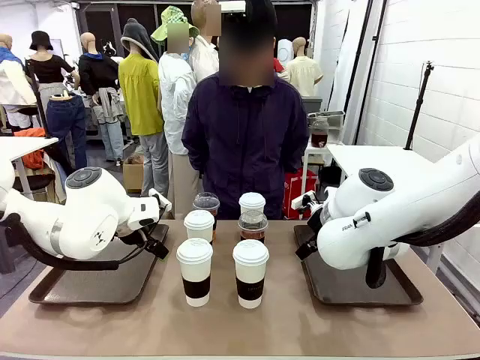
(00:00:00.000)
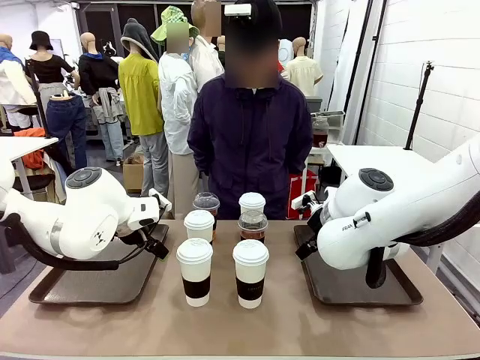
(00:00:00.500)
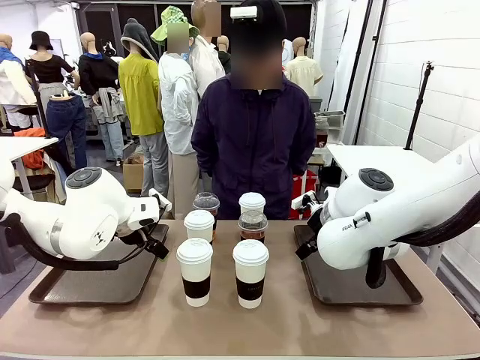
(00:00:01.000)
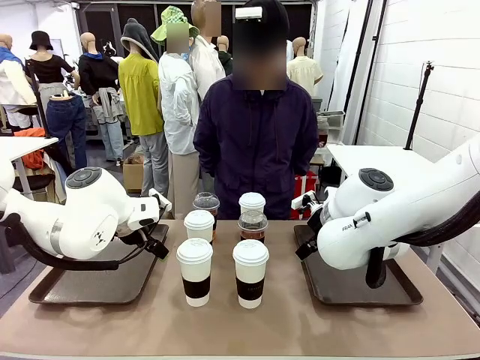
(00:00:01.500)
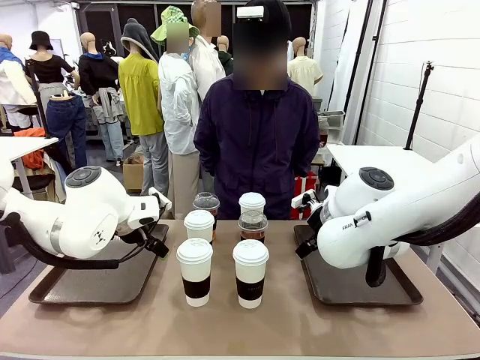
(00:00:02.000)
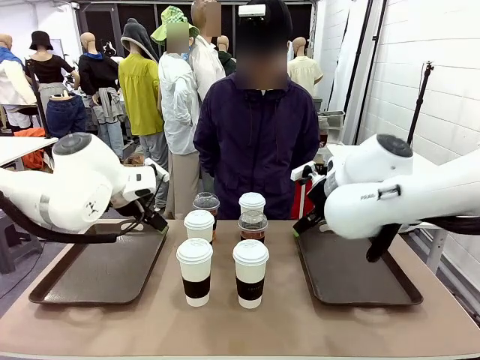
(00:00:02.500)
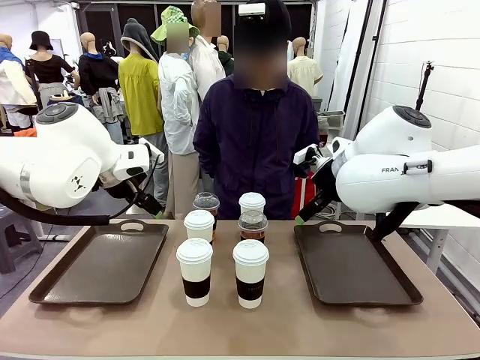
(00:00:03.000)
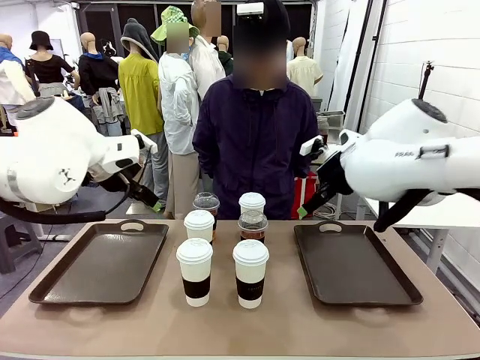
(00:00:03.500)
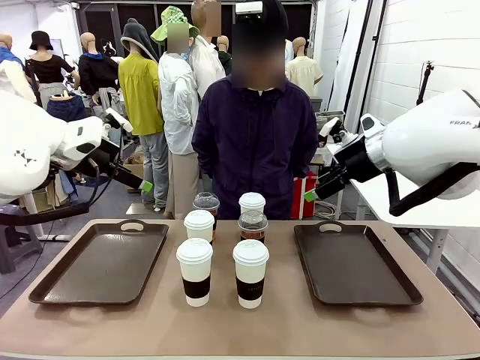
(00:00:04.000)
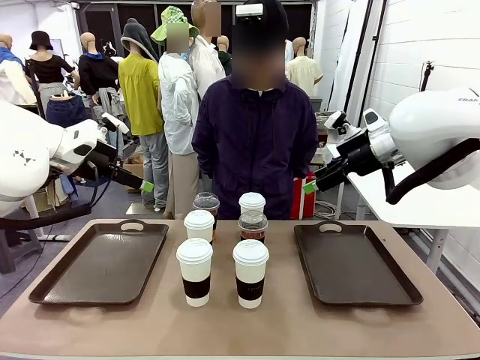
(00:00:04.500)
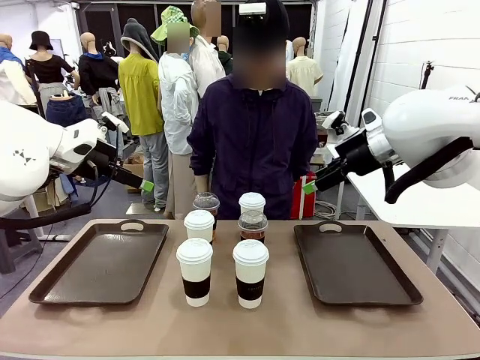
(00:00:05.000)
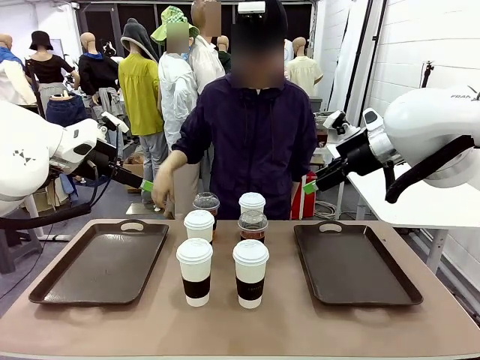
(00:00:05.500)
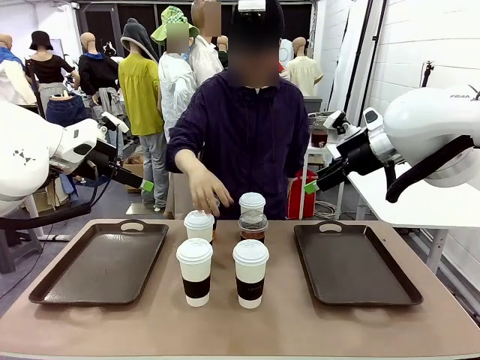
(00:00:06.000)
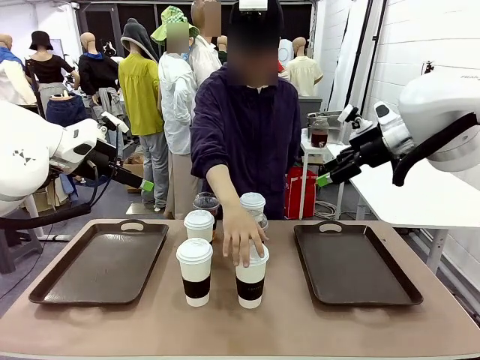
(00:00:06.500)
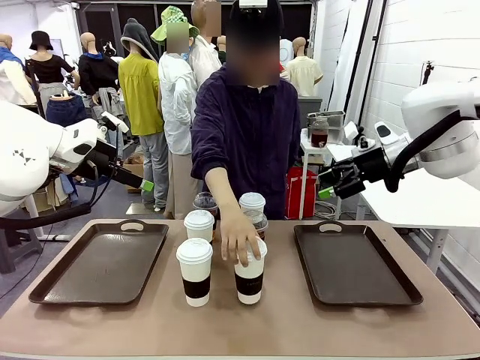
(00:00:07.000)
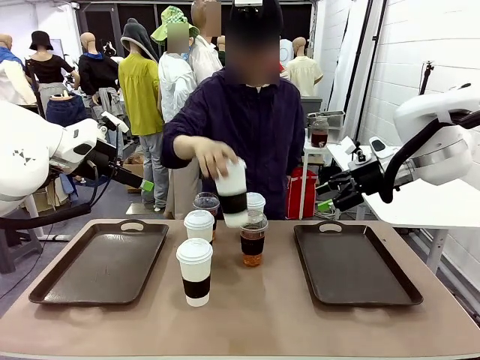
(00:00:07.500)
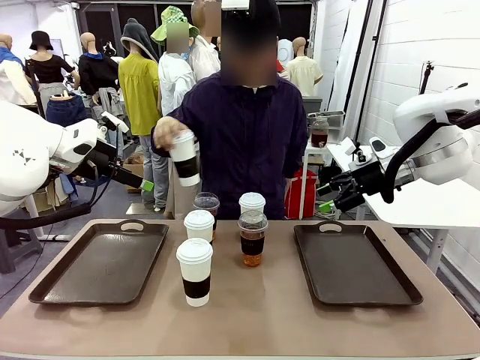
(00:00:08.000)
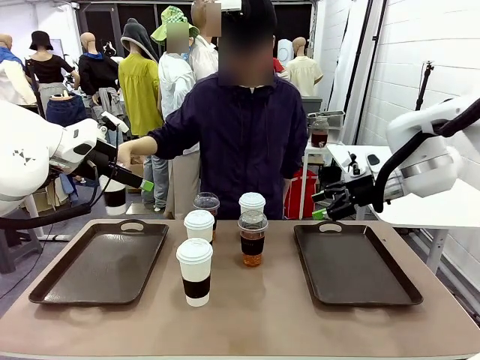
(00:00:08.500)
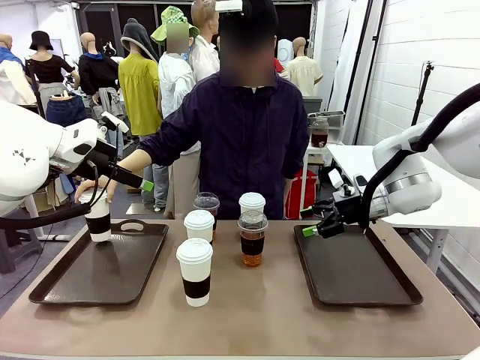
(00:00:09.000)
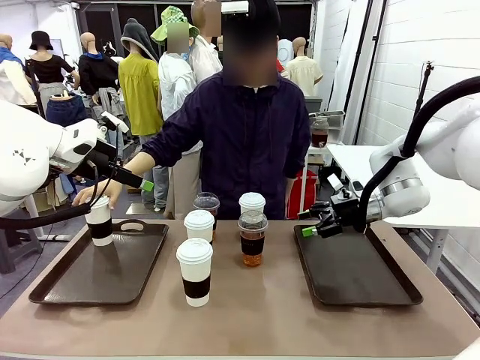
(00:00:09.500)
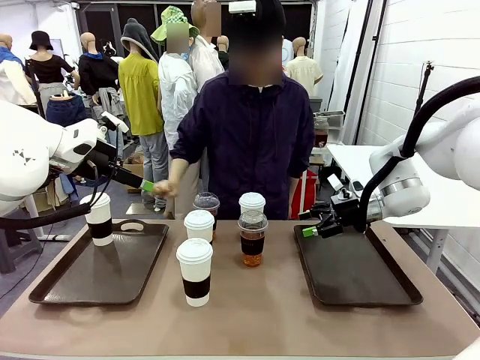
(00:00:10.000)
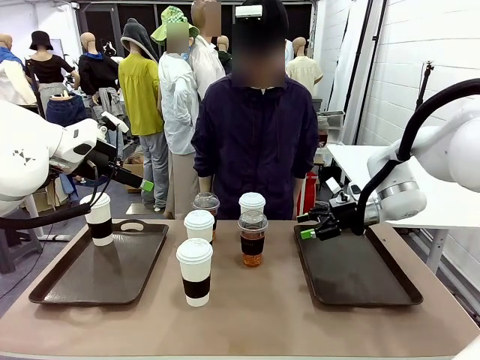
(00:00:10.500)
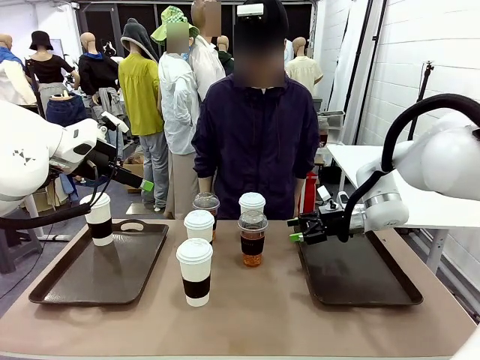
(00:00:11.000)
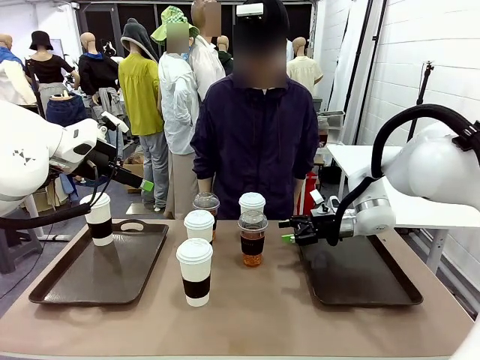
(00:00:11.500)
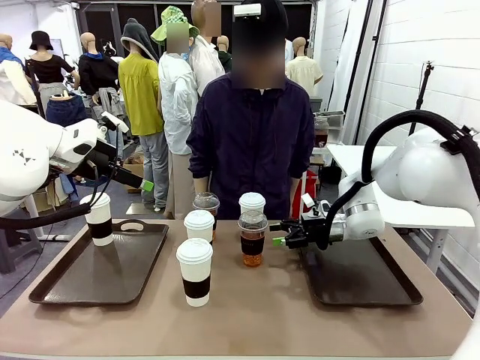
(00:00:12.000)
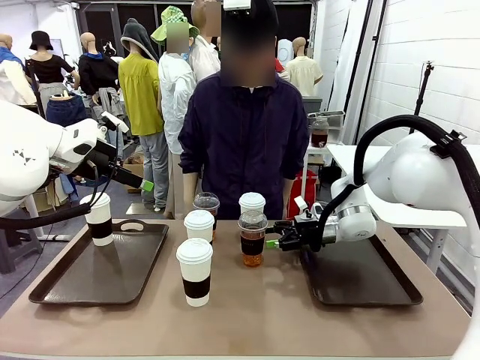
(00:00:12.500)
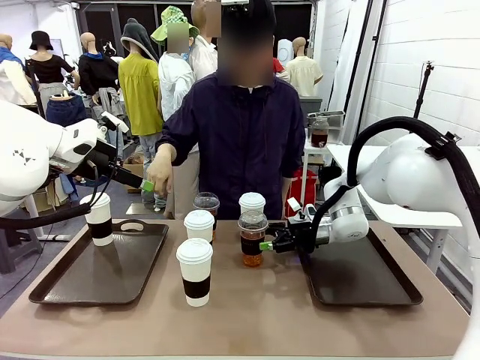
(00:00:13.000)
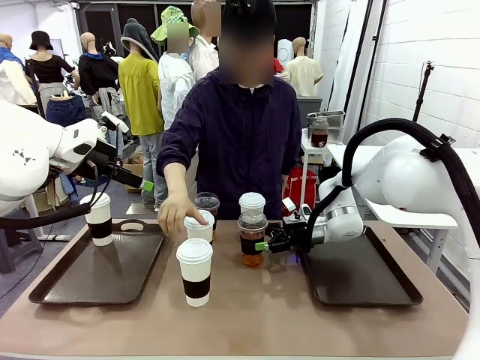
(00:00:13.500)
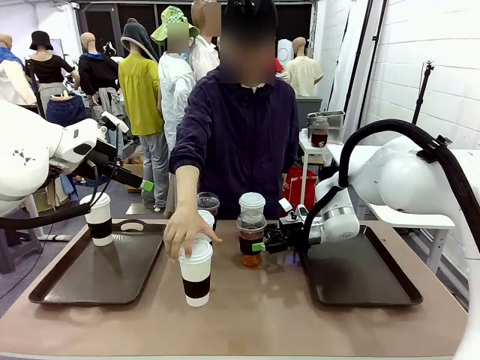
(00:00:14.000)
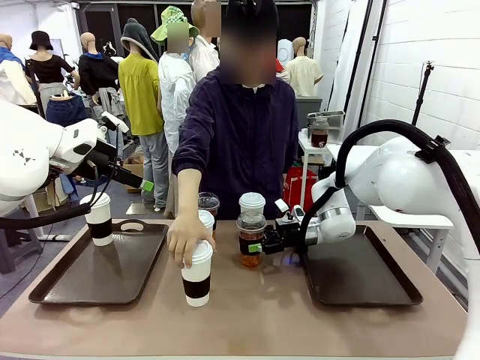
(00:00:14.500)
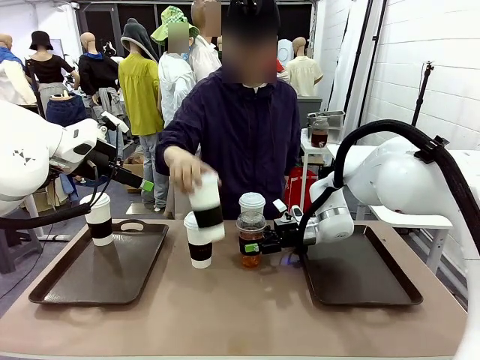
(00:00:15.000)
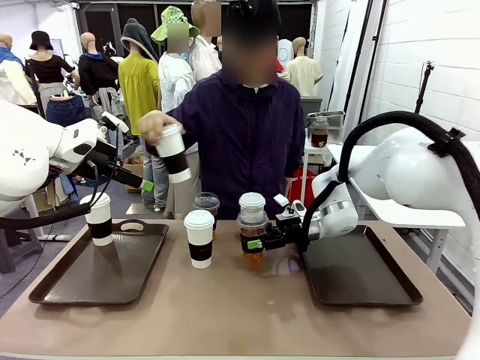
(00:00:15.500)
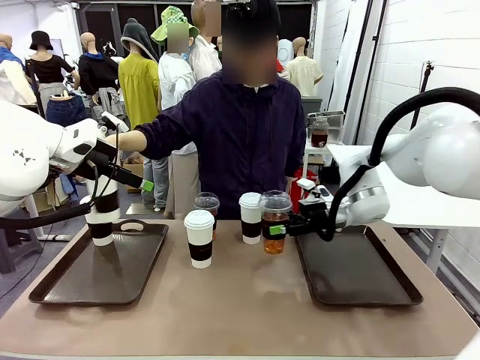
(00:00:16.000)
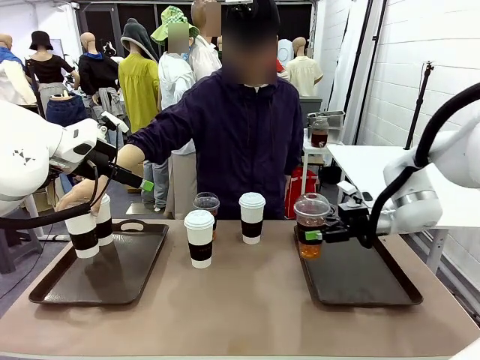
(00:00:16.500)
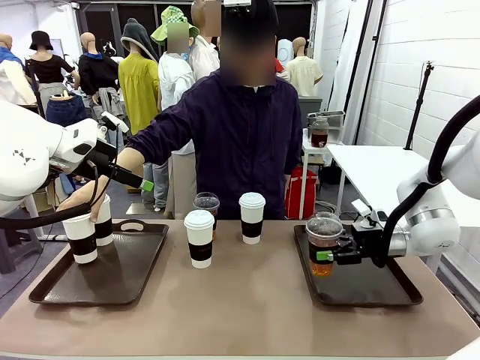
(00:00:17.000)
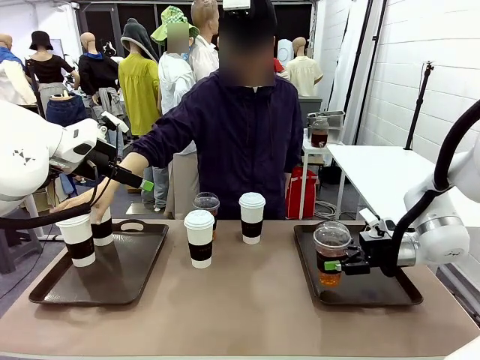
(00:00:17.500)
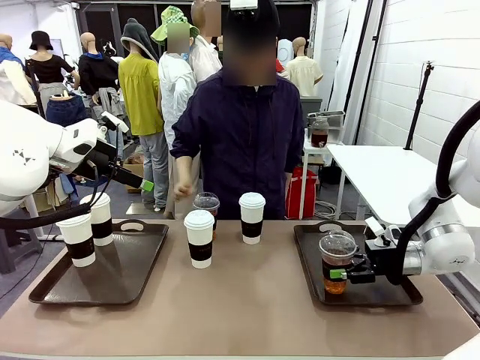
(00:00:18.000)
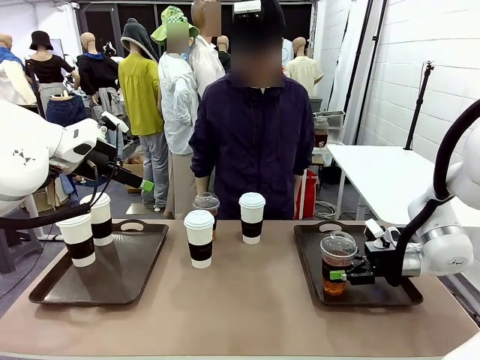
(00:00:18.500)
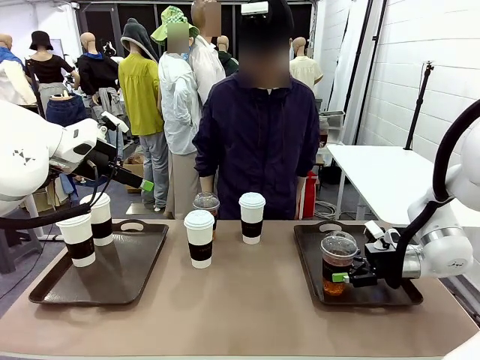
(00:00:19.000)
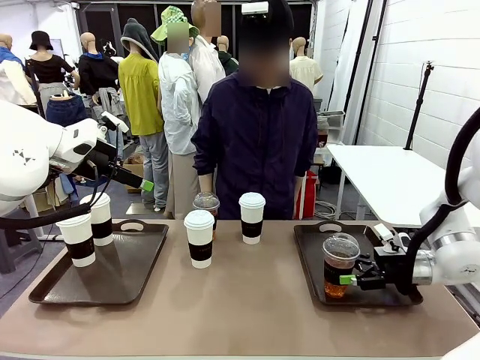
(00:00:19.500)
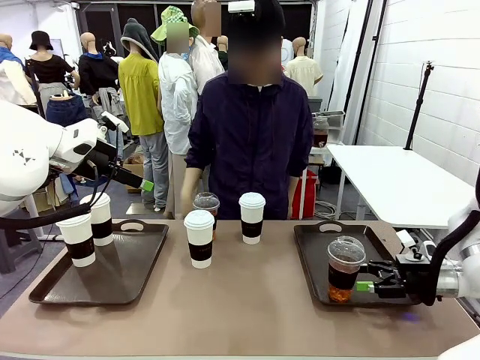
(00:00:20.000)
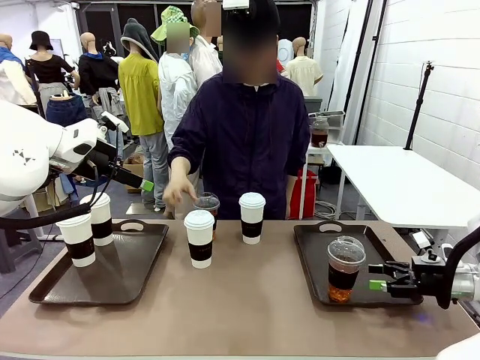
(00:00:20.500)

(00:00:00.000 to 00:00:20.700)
Task: Distribute the coffee onto the tray.
Robot: Pick up one iced Americano and place it on the right Handle tray.
Person: Pick up a cup of hot Americano and place it on the right tray.
